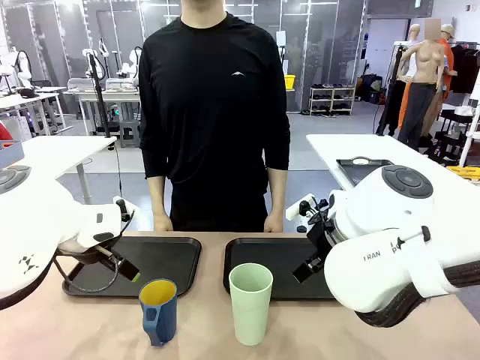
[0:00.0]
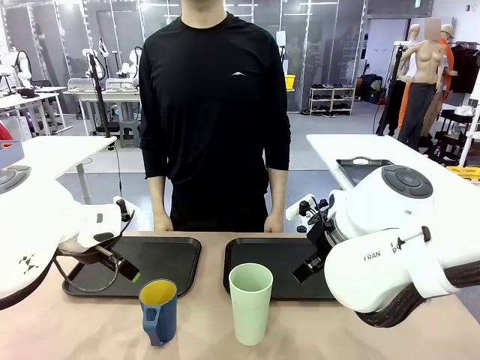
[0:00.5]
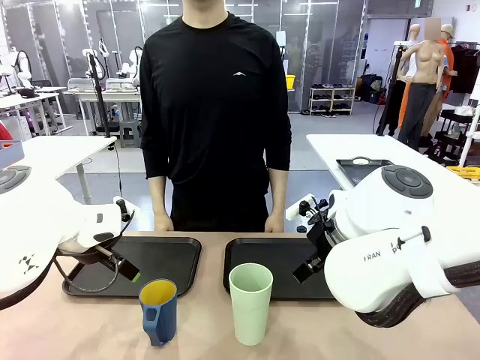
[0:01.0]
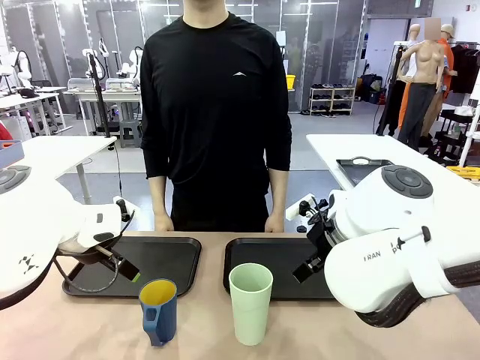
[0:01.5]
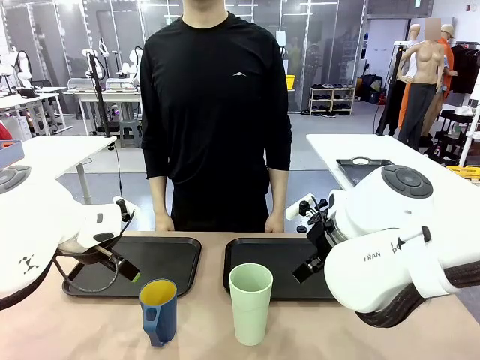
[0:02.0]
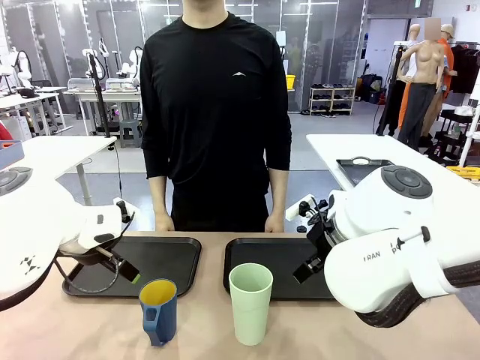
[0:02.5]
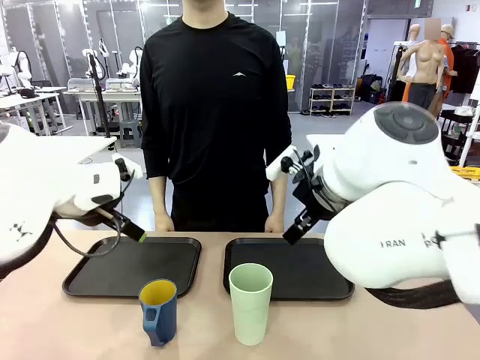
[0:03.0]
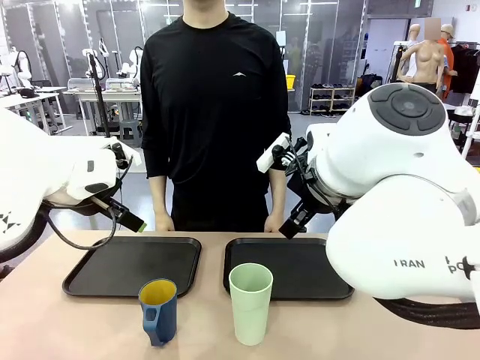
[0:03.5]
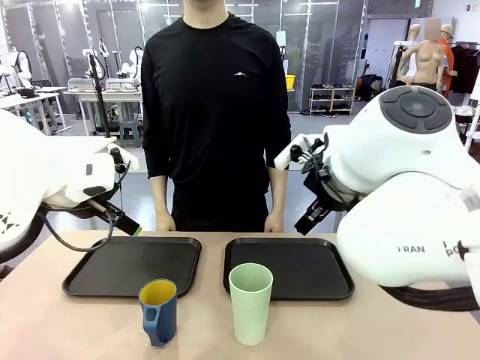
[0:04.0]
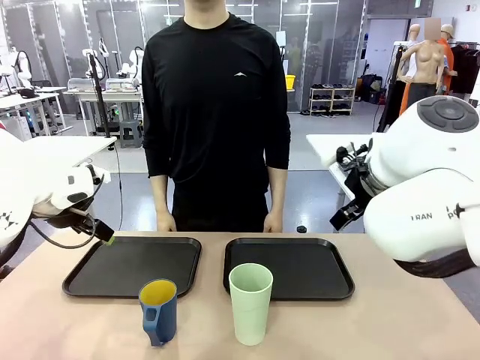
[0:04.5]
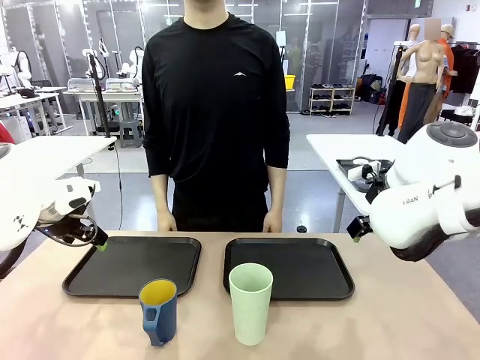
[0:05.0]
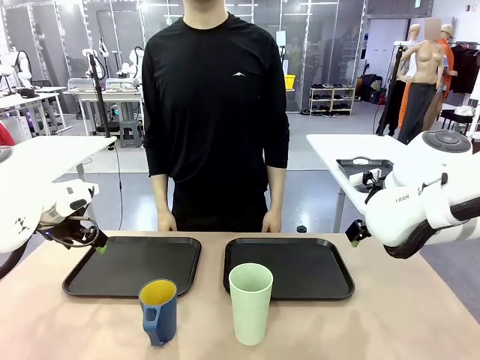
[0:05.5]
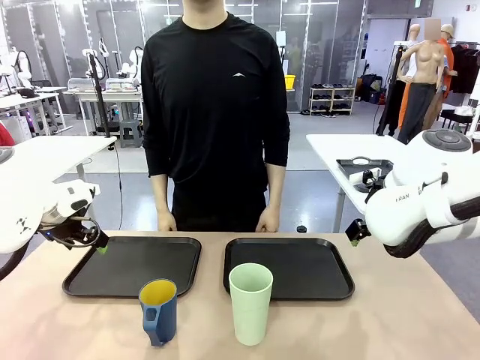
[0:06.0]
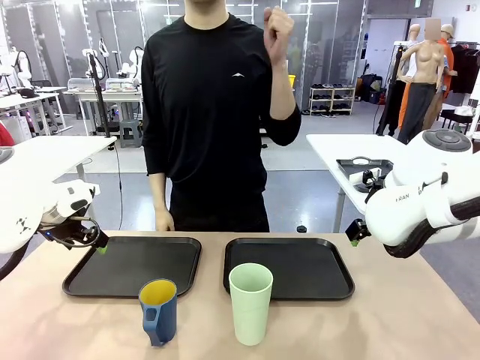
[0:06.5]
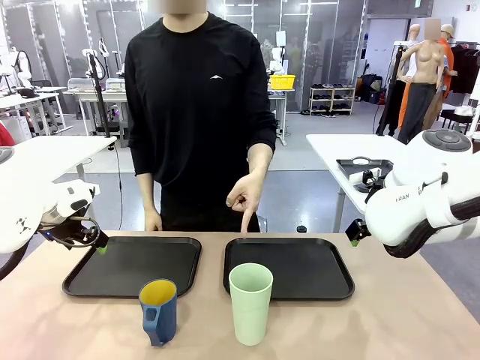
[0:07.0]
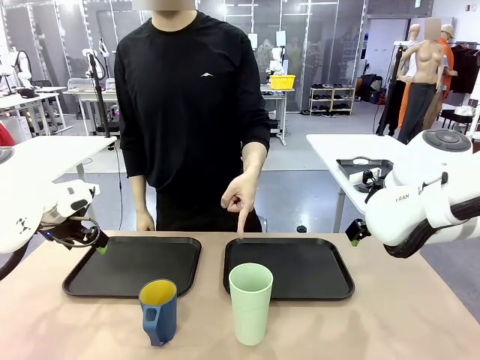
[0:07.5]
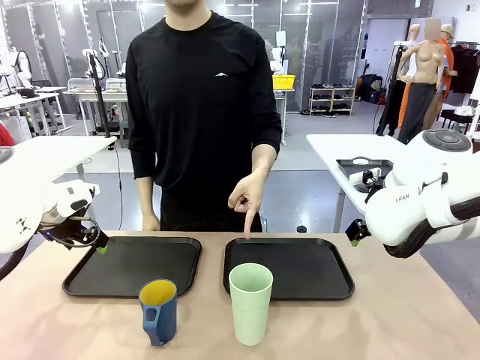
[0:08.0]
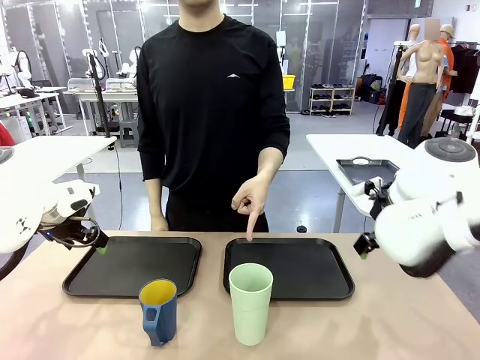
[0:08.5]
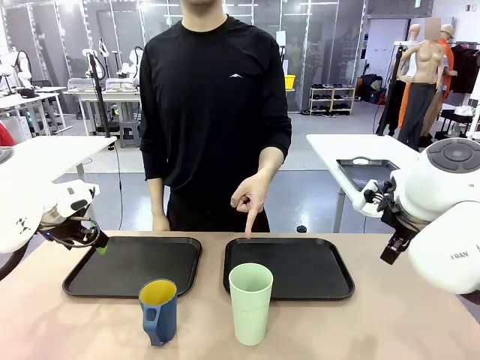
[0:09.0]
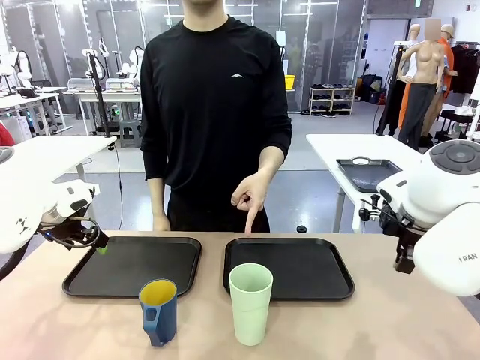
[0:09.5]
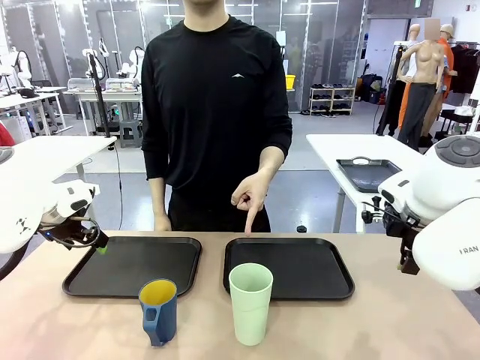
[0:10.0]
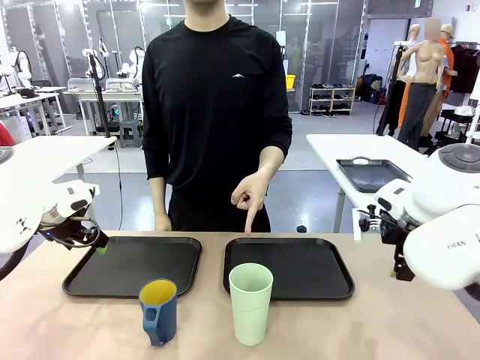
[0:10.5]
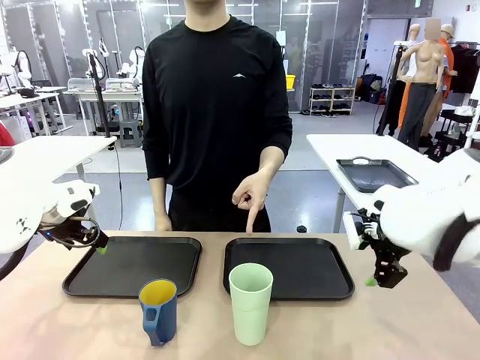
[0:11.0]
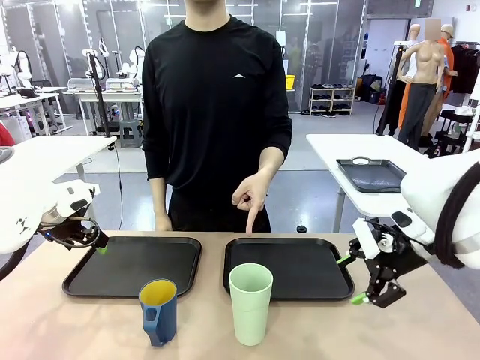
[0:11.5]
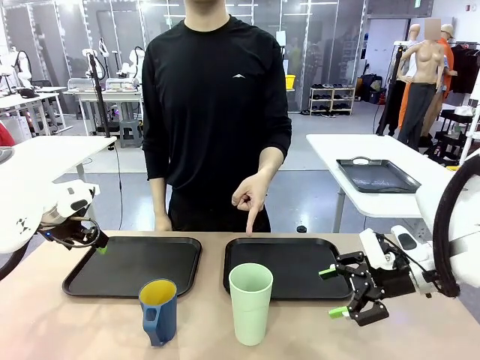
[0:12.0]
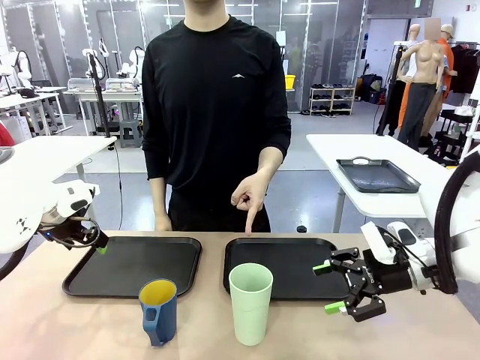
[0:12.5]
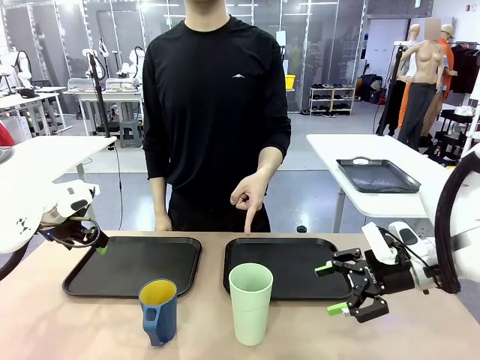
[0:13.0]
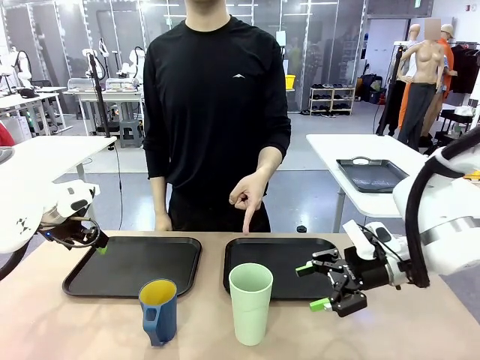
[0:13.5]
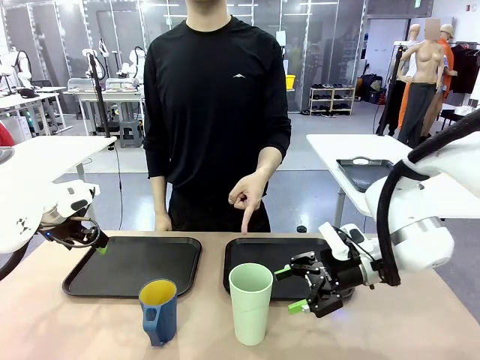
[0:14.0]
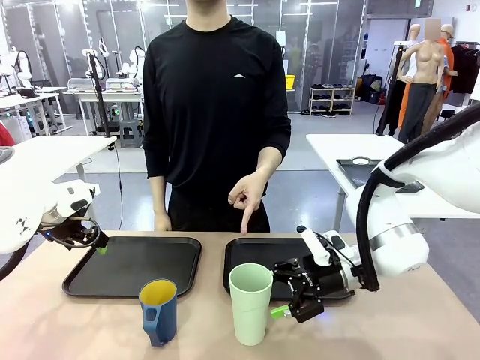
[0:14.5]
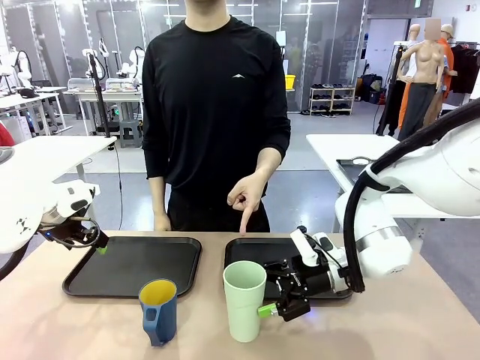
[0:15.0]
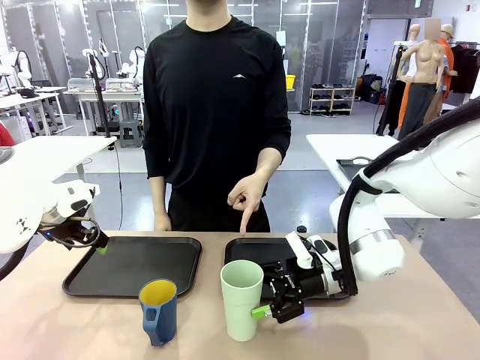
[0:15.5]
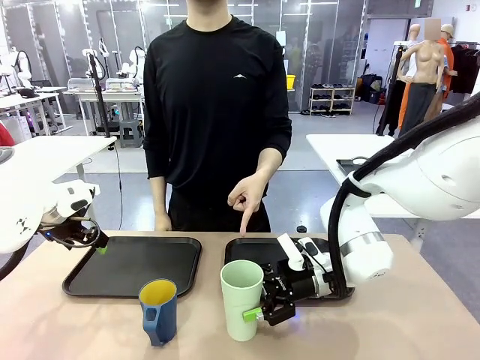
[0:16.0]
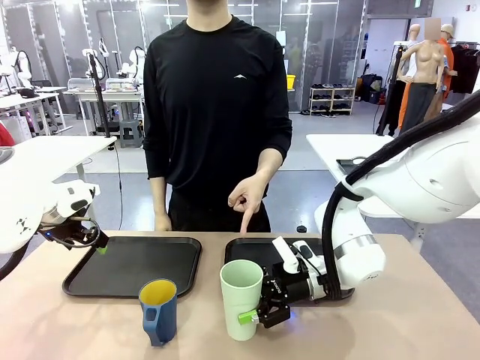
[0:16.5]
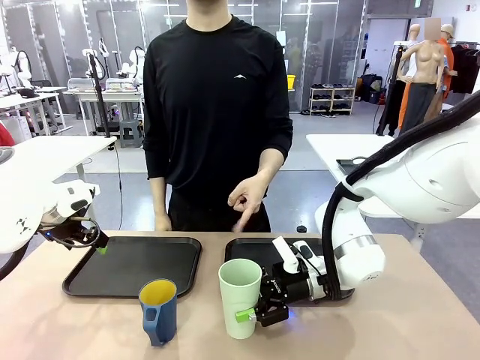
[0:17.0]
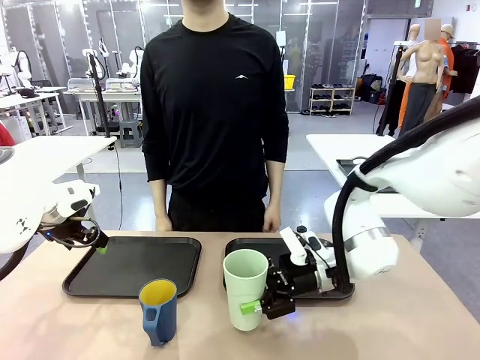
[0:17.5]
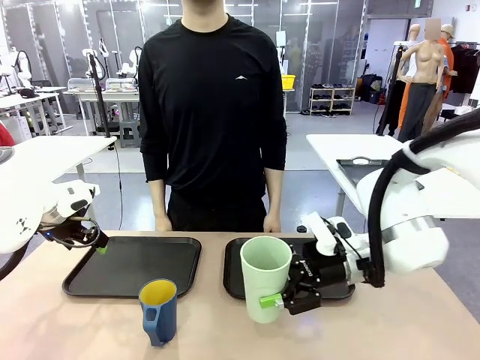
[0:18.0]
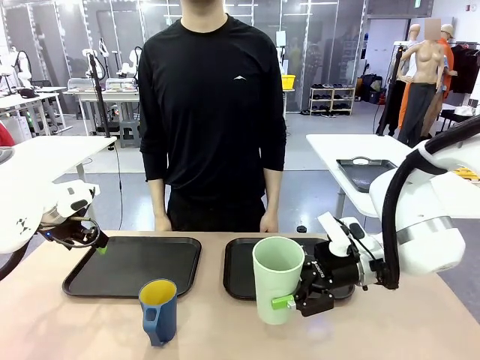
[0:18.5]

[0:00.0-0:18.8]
Task: Sort and store the cups by type.
Robot: Pick up the Reusable plastic cup.
Person: Points to the reusable cup. Point to one of the two trays.

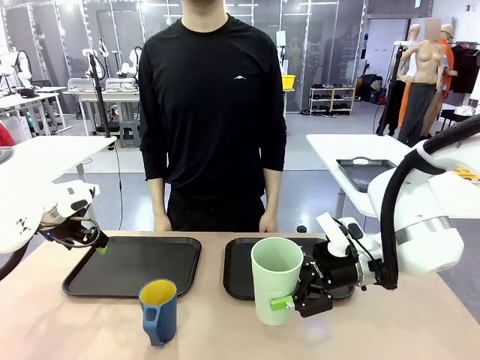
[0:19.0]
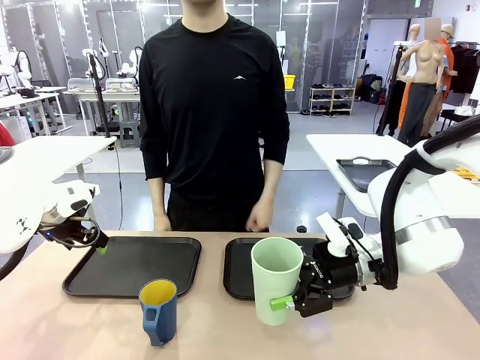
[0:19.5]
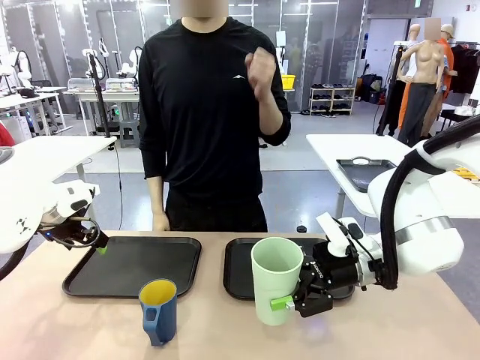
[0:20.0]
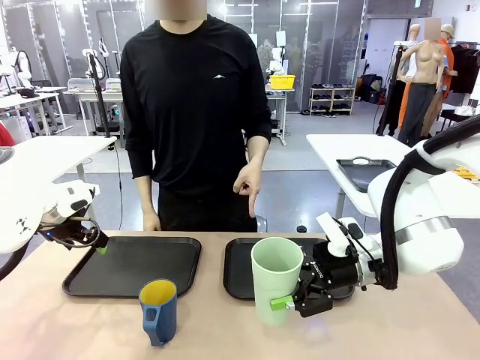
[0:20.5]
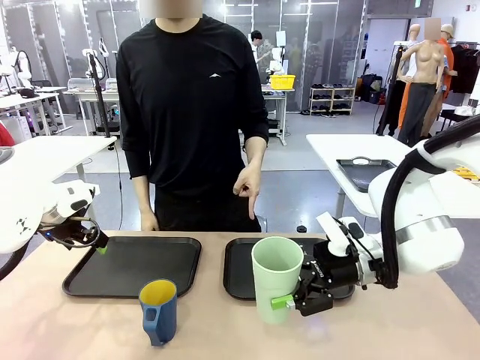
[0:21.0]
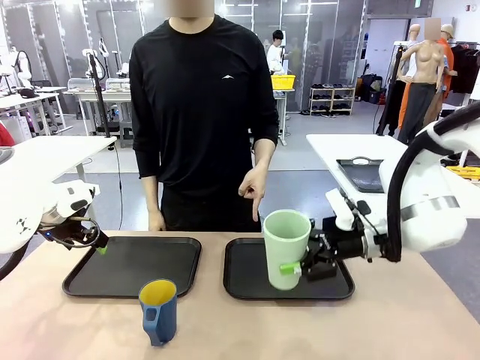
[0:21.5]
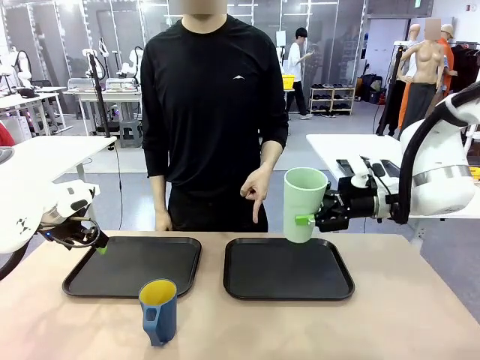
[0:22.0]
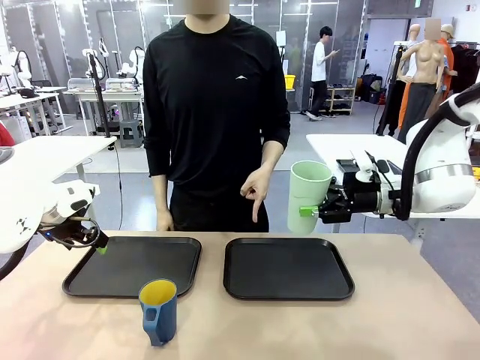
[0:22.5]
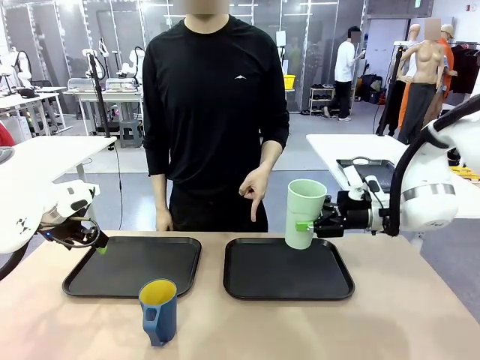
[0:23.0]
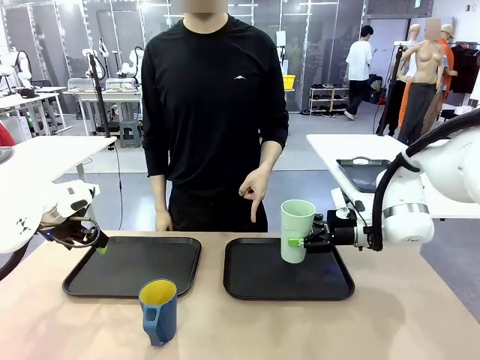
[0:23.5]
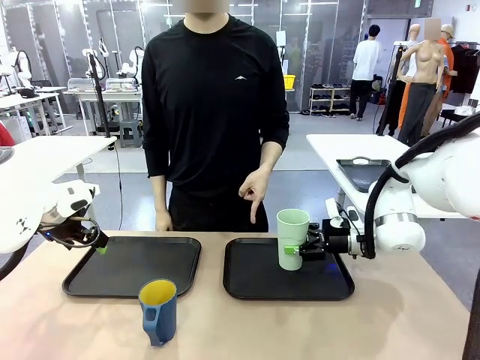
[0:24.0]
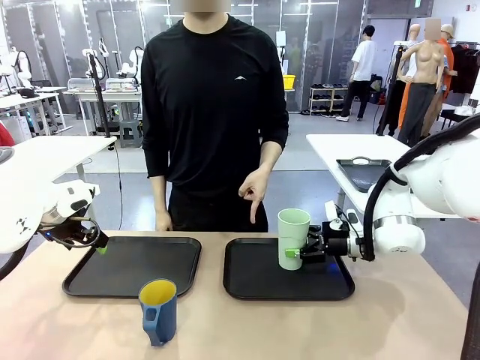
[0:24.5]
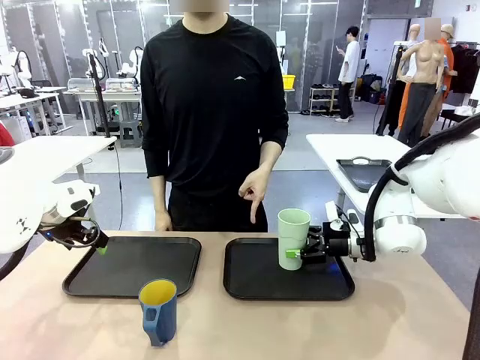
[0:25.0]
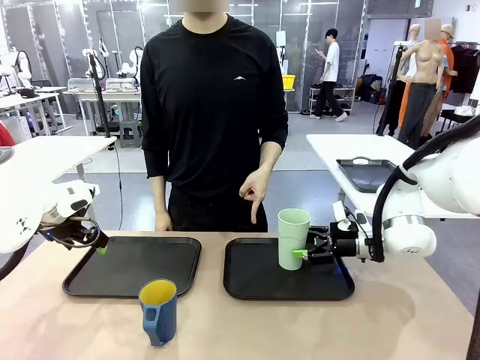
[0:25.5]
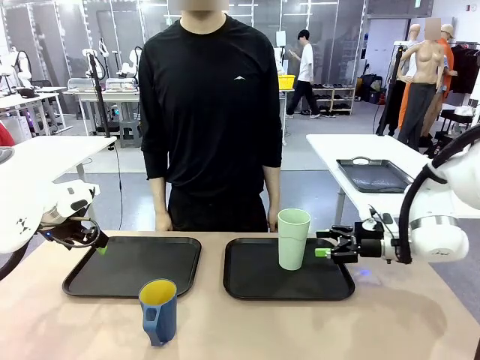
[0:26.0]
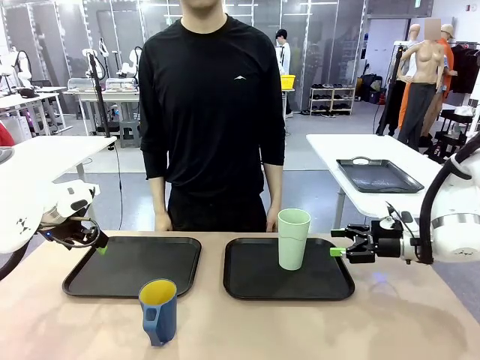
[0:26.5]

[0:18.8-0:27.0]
Robot: Place the picked Reusable plastic cup into the Flat Tray indicated by the person.
